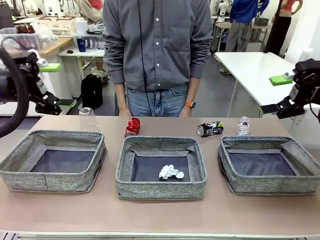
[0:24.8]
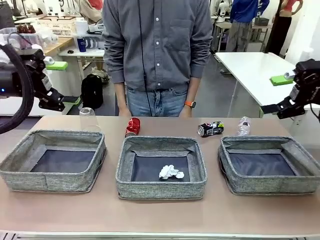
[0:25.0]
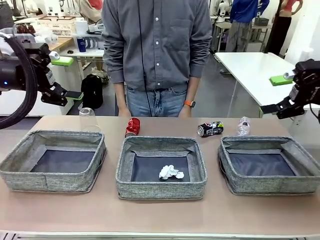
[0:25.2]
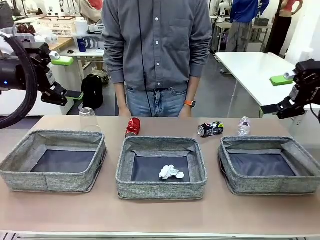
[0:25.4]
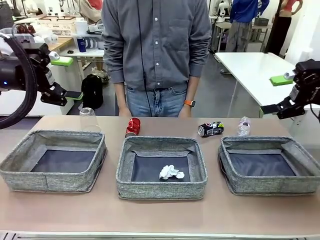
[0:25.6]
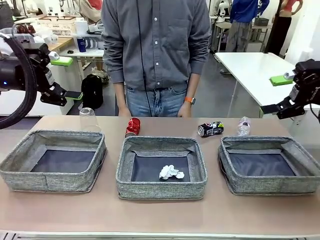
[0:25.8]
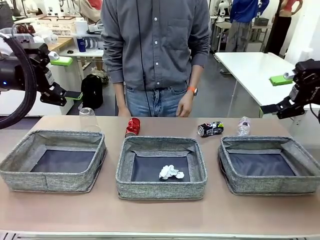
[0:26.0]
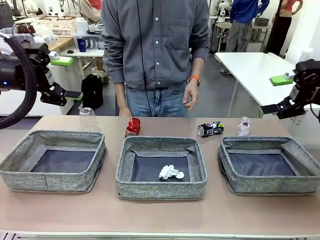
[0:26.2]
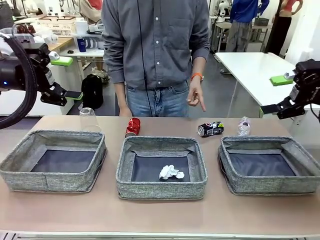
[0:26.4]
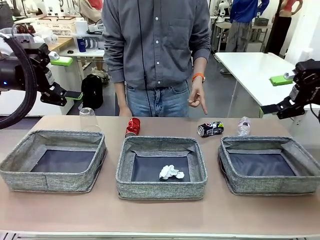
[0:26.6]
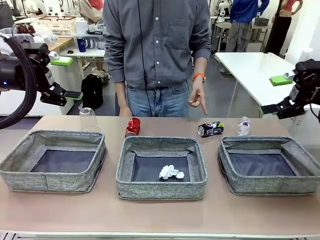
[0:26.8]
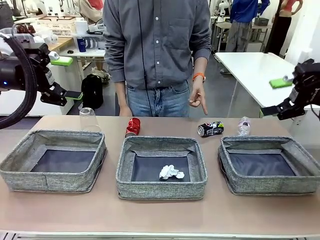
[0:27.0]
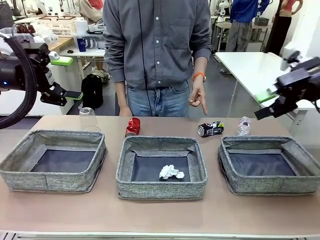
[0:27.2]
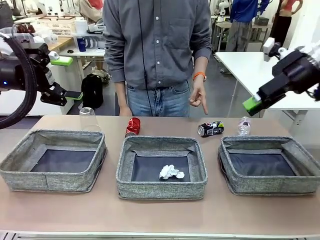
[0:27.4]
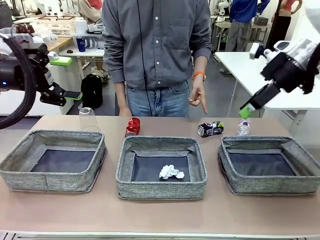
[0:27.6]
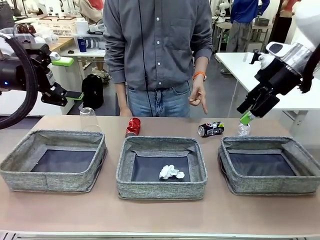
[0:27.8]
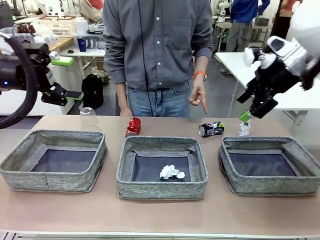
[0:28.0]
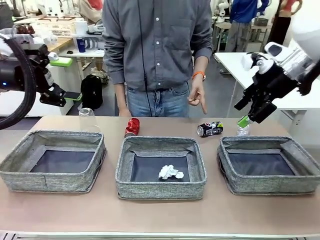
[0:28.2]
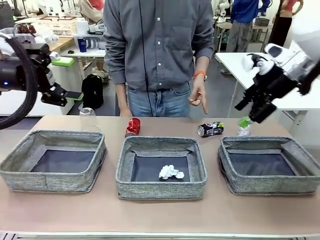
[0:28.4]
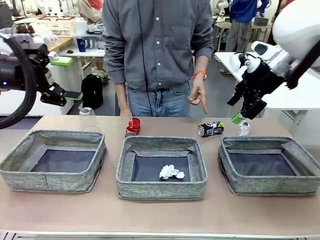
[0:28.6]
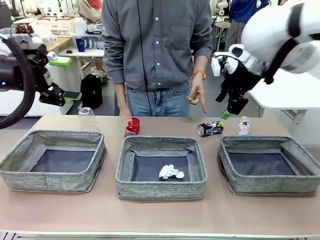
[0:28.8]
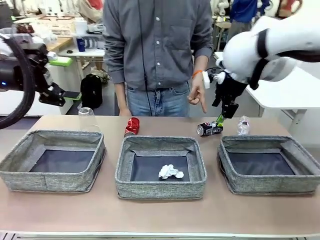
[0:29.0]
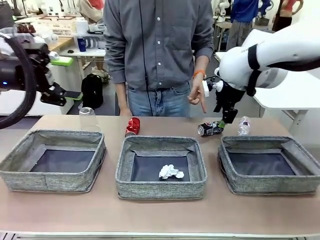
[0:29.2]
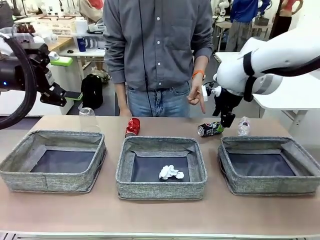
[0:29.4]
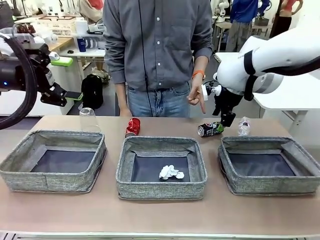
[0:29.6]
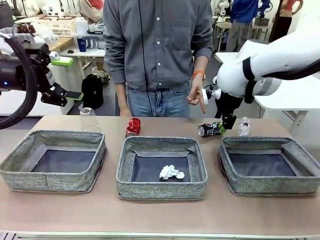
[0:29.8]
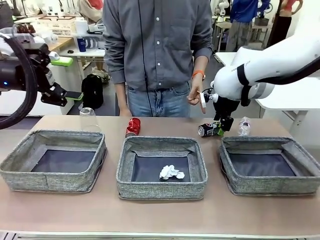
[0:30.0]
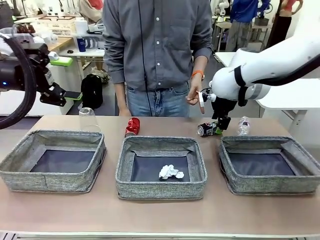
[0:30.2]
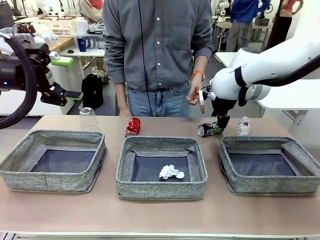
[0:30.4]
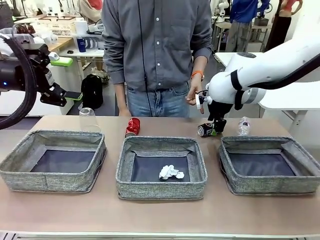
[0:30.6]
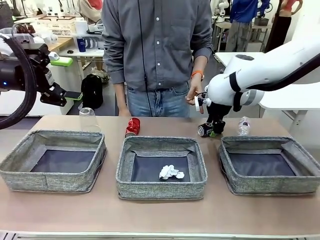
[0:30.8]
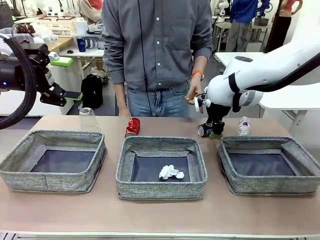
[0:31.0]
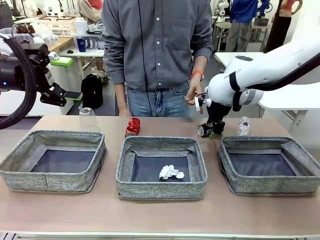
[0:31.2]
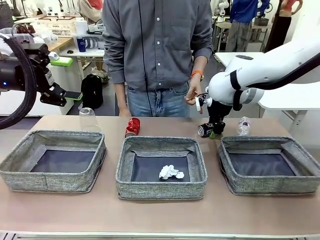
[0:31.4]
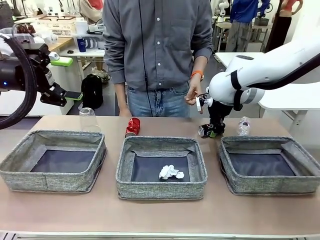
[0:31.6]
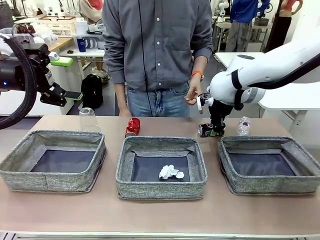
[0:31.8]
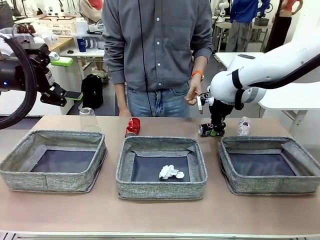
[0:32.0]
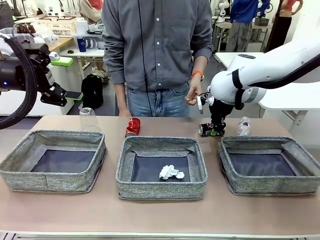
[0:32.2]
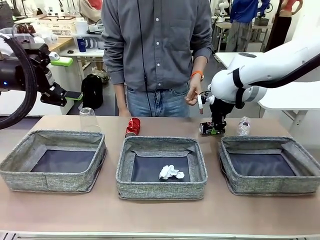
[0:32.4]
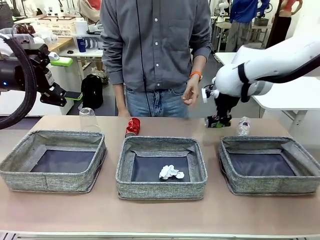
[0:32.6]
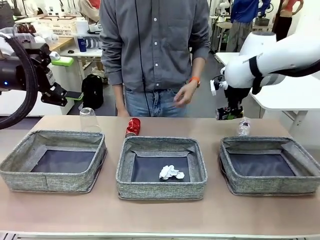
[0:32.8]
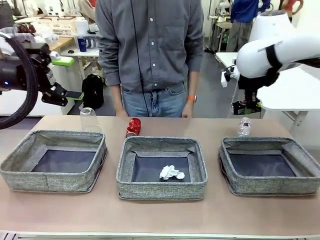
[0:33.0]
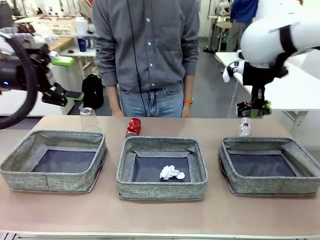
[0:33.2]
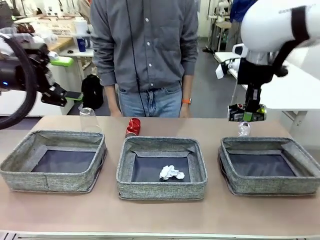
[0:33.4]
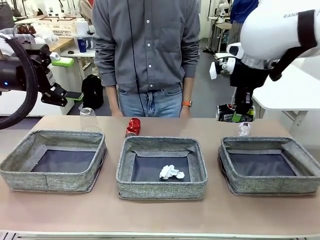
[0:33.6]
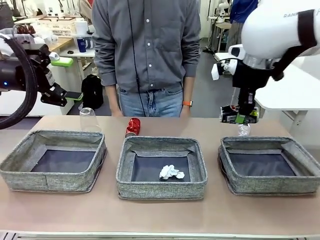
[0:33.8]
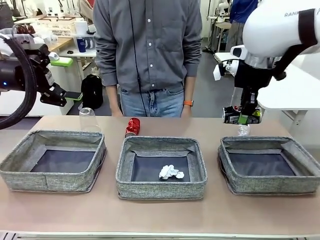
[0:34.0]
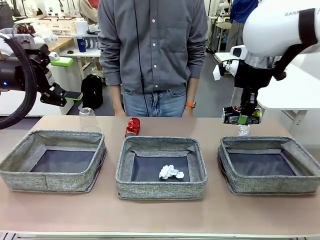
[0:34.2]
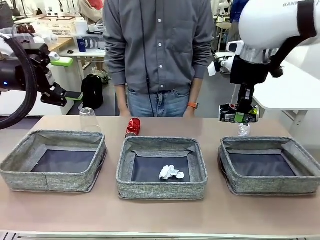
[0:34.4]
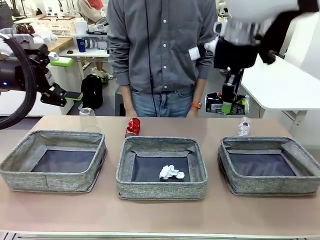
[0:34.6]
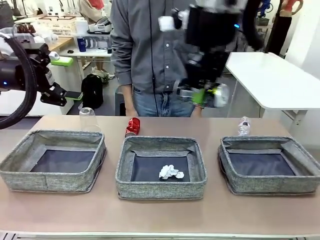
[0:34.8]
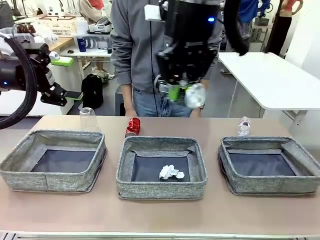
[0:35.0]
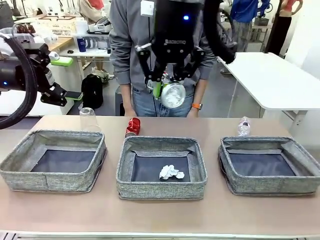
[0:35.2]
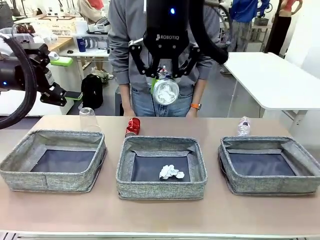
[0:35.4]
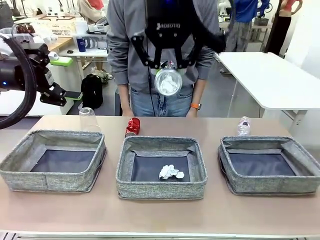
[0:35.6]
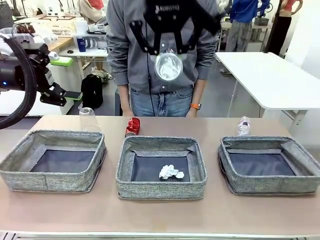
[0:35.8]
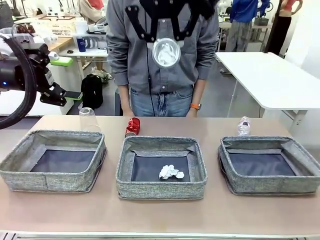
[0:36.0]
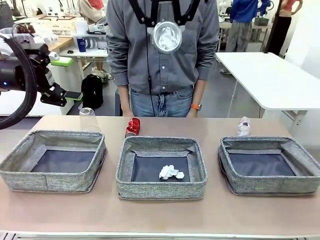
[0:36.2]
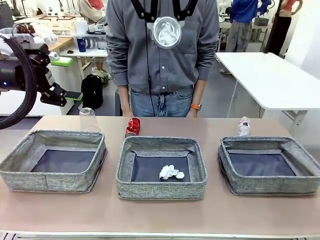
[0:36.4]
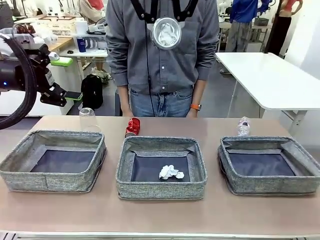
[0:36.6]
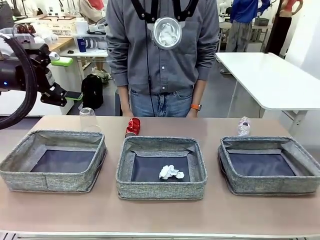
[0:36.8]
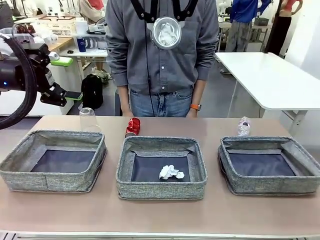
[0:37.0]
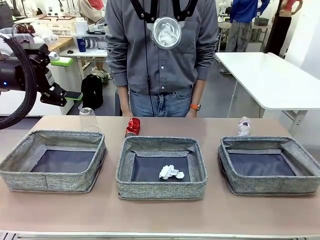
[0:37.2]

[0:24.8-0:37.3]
Task: Sort the waste into the appropriate baskets.
Robot: Pick up the waste item pointed out by the person.
Person: Points to one piece of trash on the table.

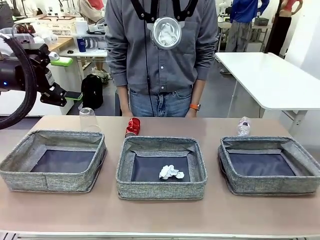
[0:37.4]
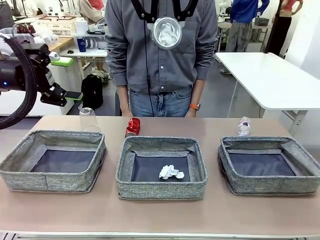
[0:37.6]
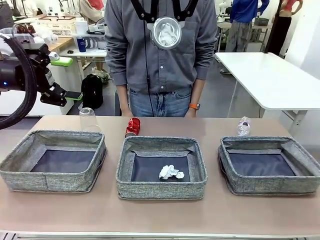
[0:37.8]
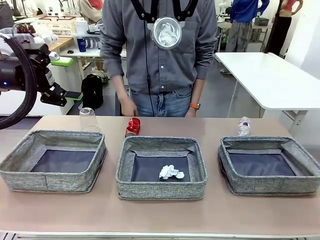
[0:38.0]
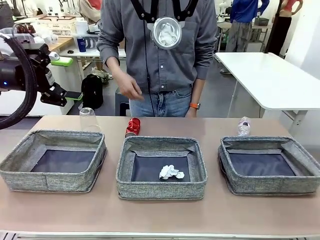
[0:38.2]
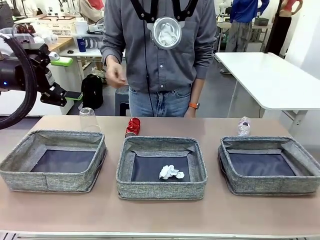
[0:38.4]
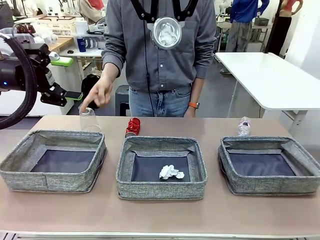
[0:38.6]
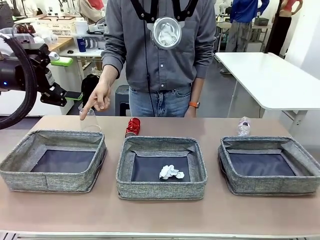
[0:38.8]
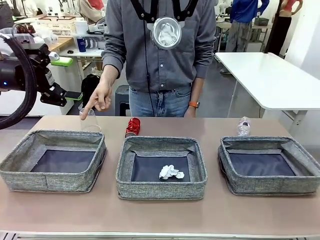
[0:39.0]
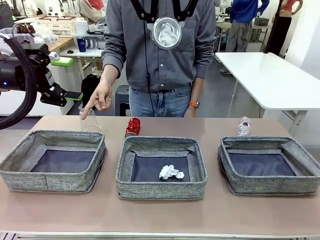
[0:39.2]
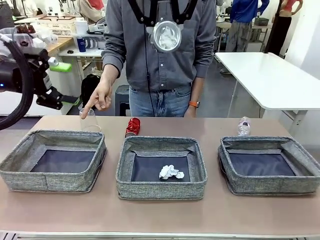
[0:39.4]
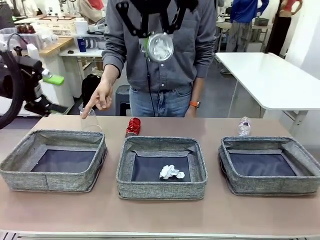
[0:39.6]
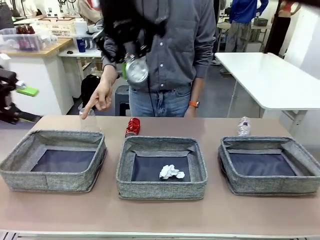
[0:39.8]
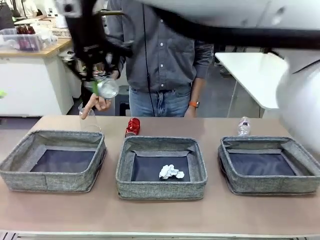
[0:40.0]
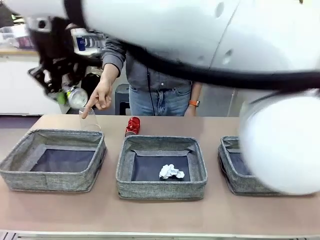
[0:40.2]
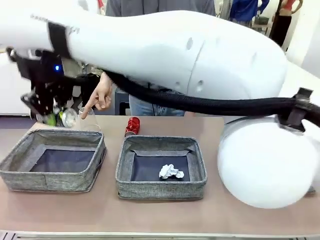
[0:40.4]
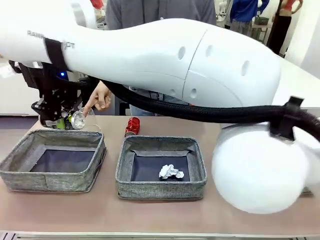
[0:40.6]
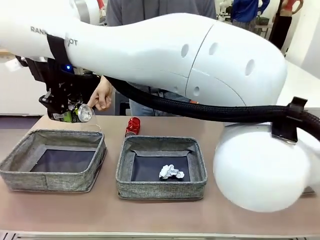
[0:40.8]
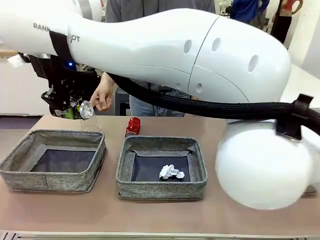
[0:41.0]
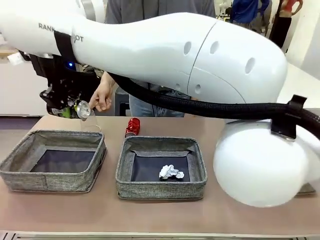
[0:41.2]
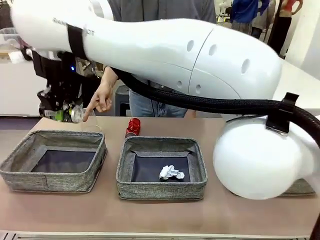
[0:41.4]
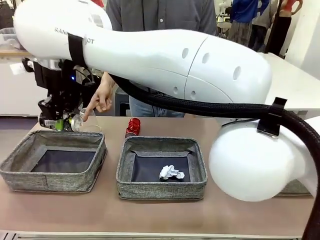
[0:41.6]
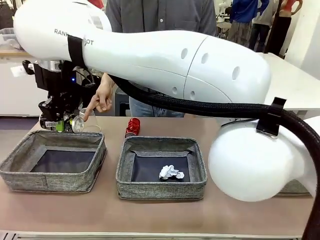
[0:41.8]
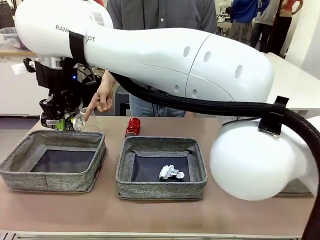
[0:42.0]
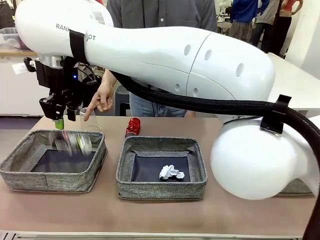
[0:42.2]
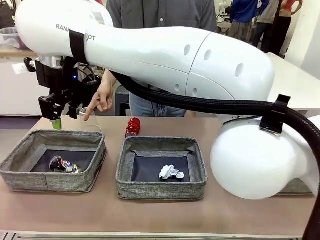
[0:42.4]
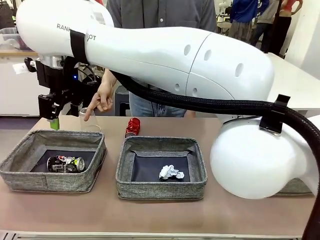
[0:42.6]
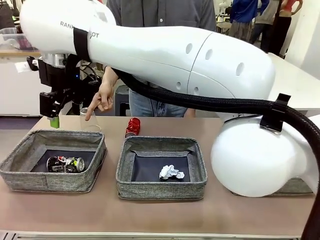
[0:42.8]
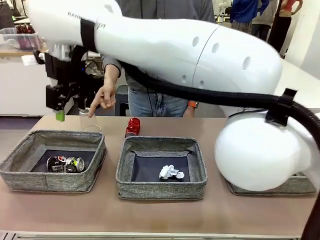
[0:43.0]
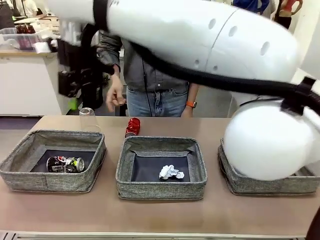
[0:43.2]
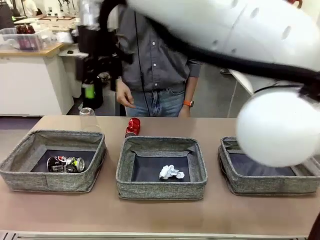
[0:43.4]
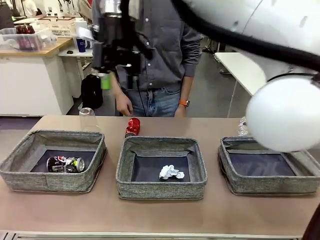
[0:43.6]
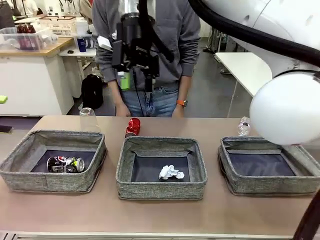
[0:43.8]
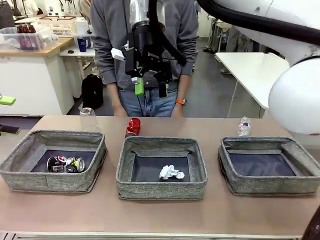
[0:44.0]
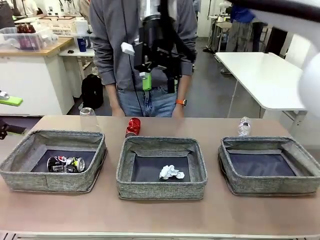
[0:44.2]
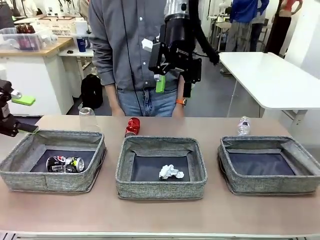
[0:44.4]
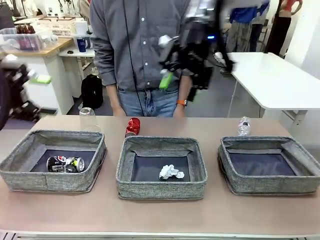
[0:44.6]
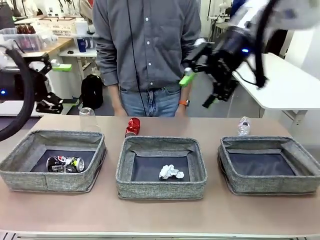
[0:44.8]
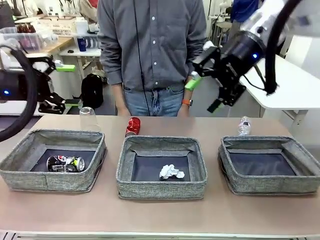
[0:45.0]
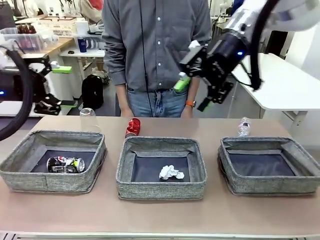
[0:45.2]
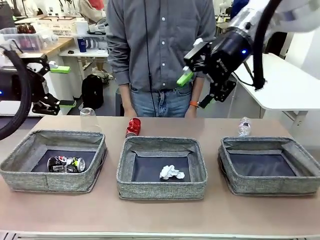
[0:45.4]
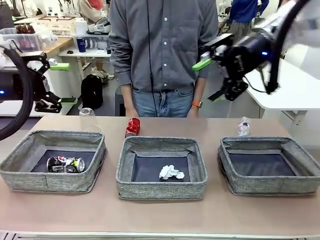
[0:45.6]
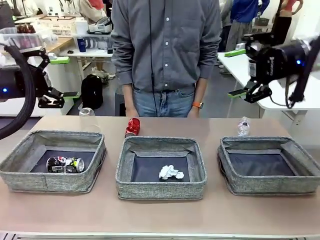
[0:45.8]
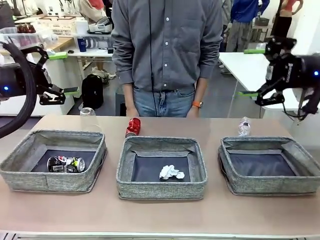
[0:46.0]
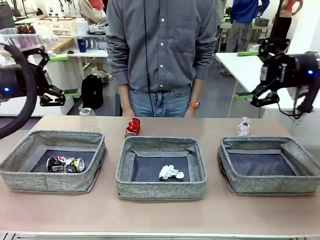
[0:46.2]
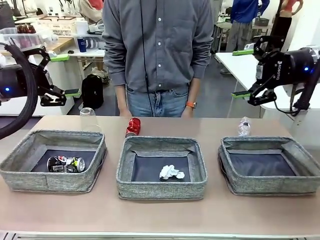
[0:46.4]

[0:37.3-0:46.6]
Robot: Place the picked waste into the Fabric basket indicated by the person.
Person: Instructs the robot to place the picked-up trash into the appropriate organizing basket.
